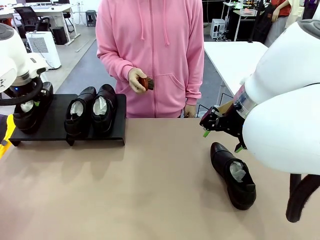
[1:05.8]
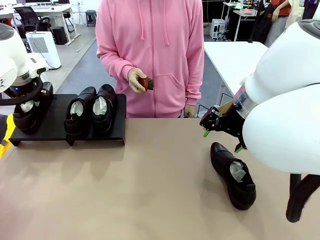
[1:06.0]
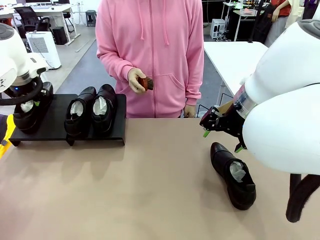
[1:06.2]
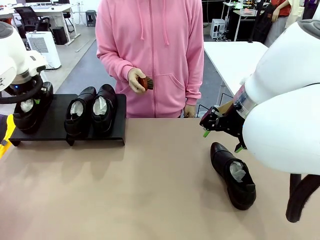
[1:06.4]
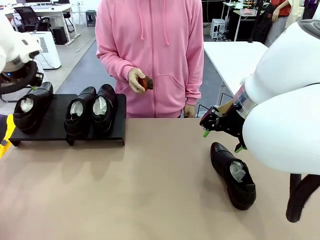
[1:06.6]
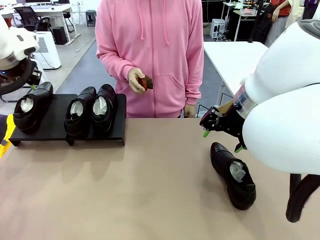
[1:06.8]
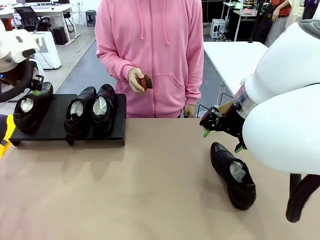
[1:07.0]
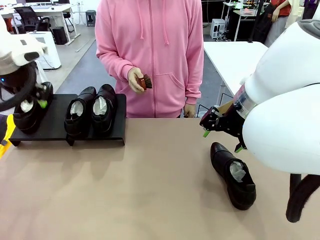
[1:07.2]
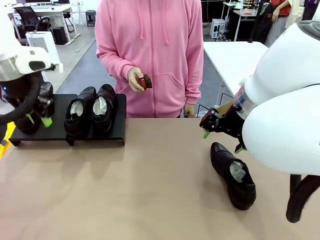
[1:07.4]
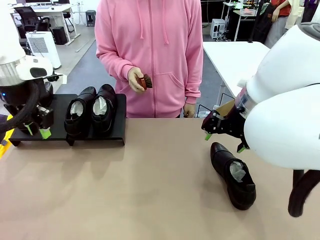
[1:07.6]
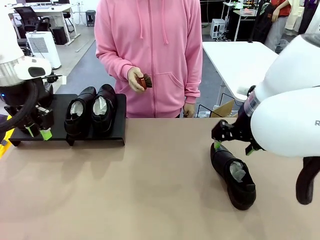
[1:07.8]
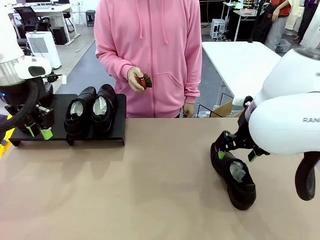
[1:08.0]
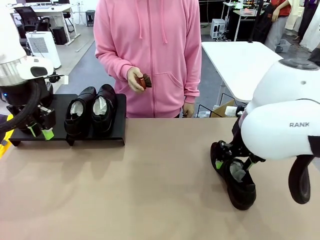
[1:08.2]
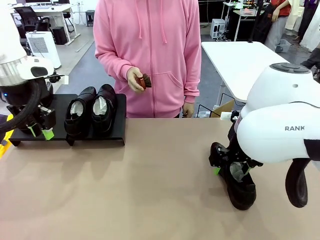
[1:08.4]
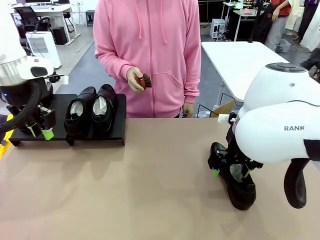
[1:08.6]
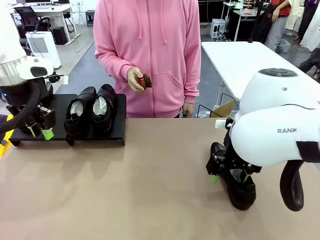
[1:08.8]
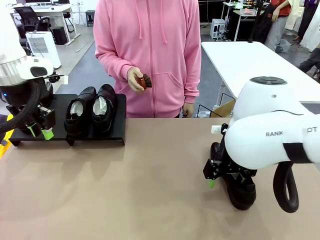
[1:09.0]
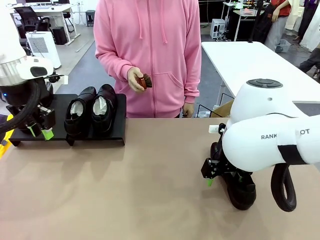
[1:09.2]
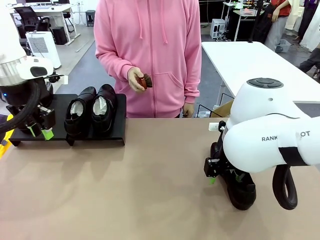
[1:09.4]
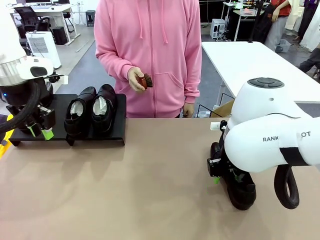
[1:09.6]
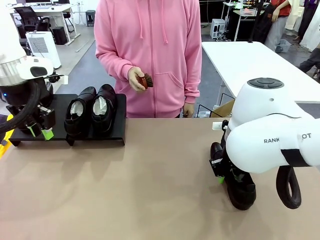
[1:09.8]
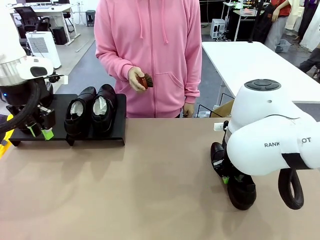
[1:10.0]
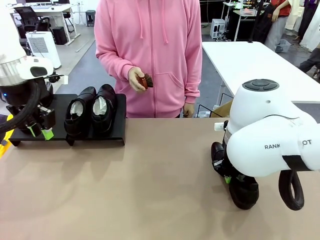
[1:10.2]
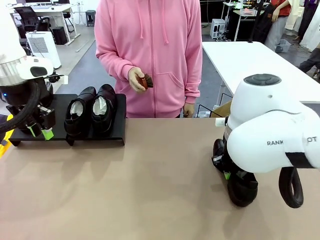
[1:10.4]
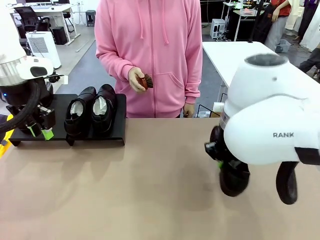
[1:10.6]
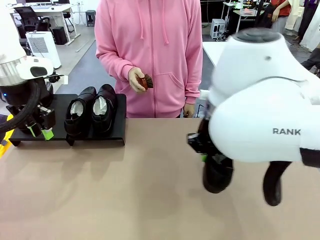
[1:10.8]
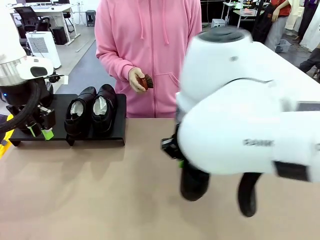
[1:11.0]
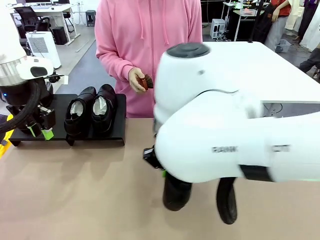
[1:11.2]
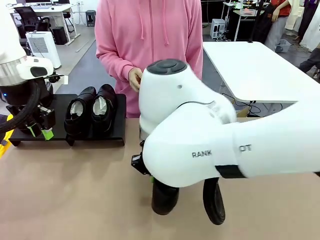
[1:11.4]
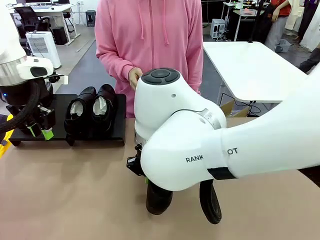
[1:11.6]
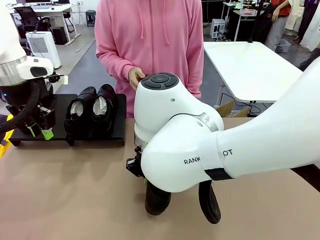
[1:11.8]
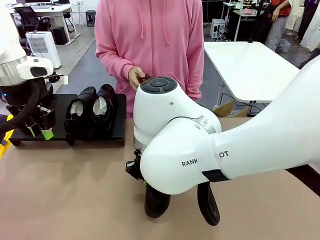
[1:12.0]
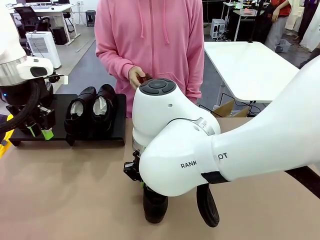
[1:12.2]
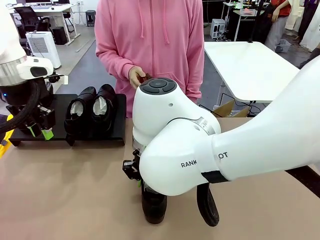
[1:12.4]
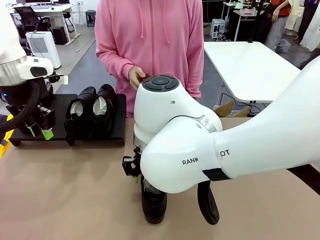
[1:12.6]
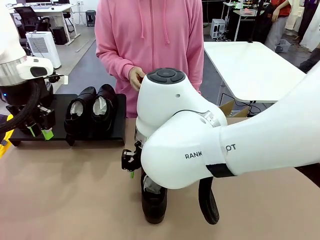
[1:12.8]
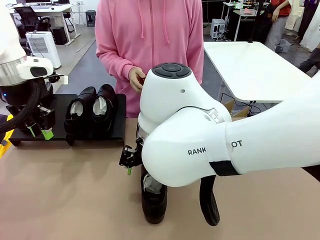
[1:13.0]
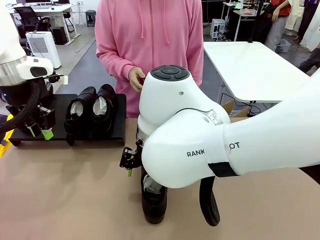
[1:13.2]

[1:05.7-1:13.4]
Task: Organize the shoes by placing them on the stand.
Robot: Pick up one Shoe and place it in the middle of the table.

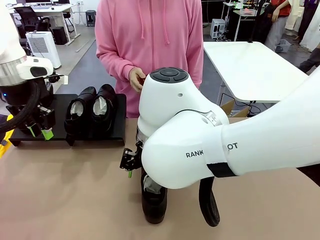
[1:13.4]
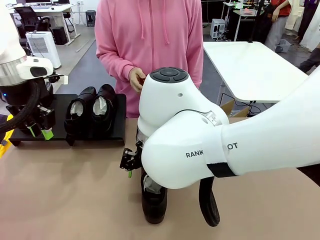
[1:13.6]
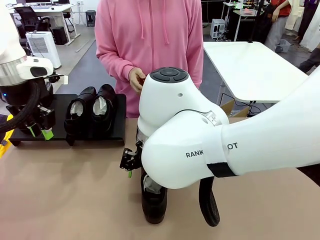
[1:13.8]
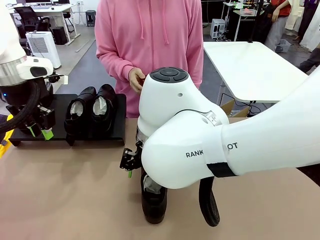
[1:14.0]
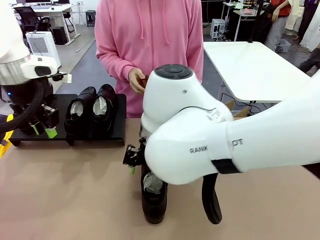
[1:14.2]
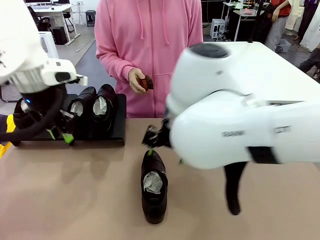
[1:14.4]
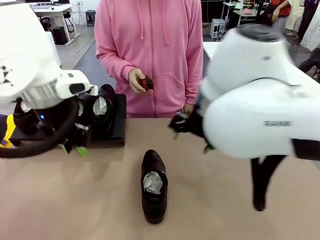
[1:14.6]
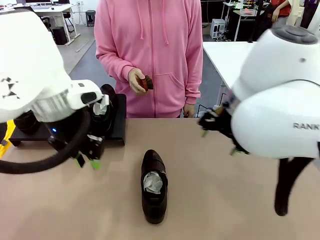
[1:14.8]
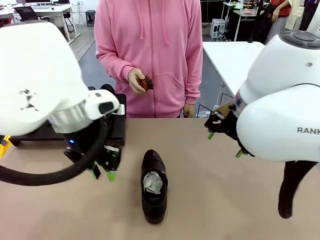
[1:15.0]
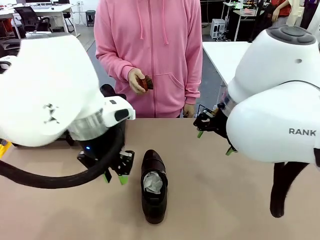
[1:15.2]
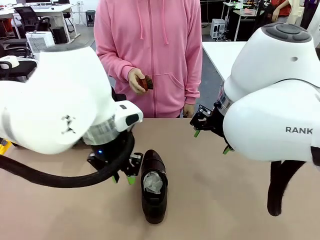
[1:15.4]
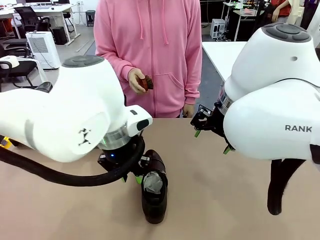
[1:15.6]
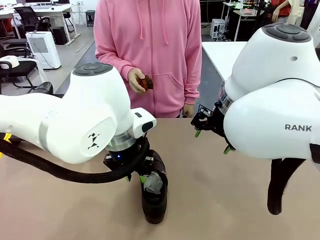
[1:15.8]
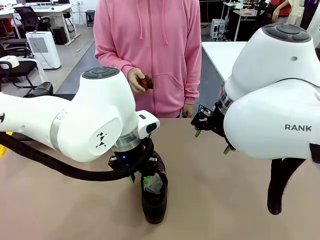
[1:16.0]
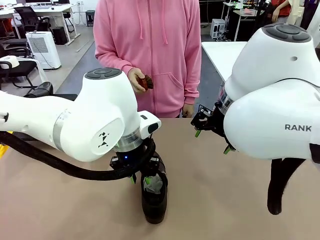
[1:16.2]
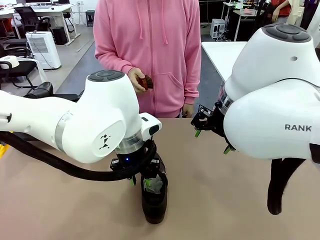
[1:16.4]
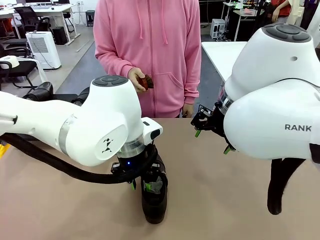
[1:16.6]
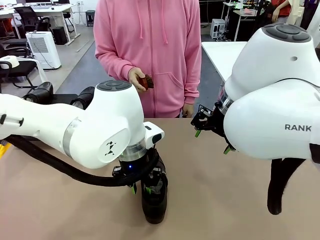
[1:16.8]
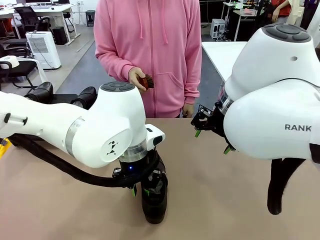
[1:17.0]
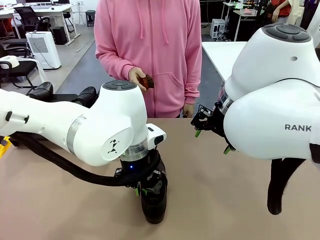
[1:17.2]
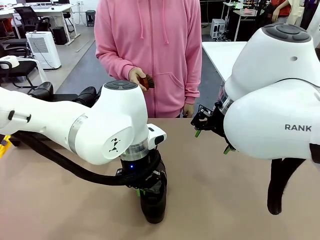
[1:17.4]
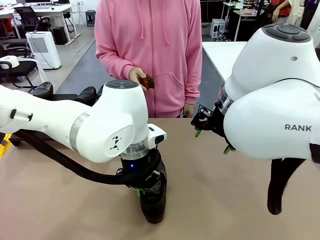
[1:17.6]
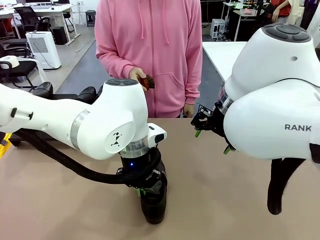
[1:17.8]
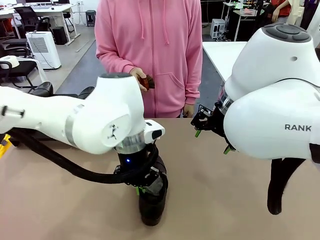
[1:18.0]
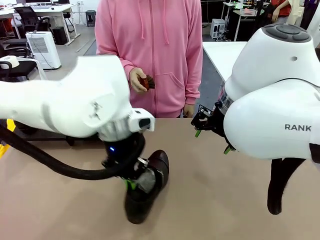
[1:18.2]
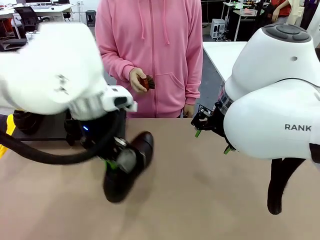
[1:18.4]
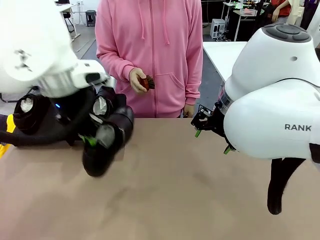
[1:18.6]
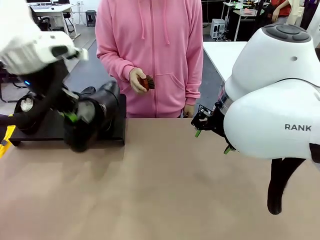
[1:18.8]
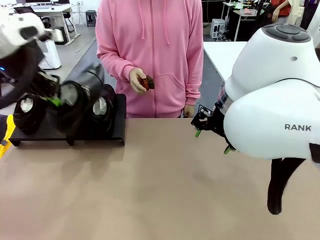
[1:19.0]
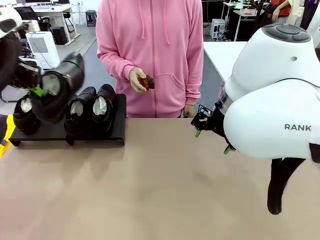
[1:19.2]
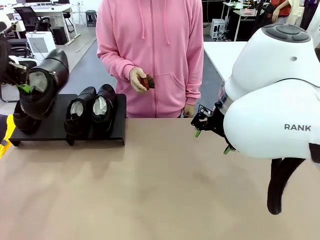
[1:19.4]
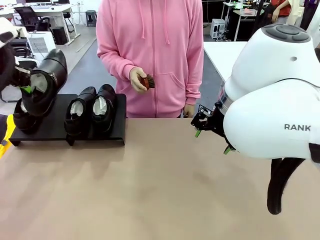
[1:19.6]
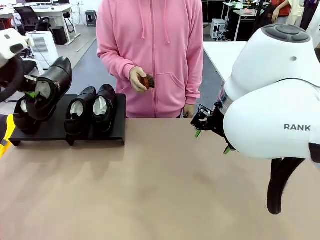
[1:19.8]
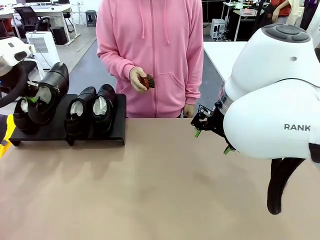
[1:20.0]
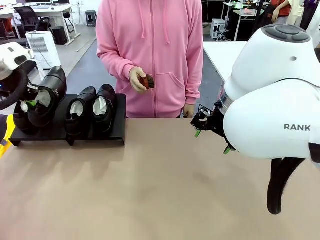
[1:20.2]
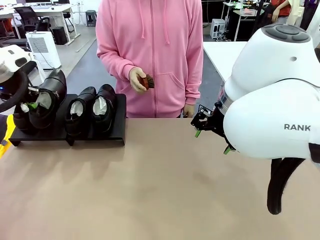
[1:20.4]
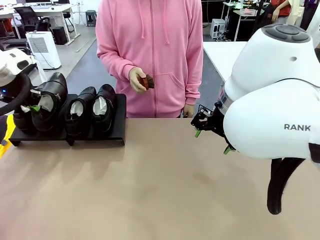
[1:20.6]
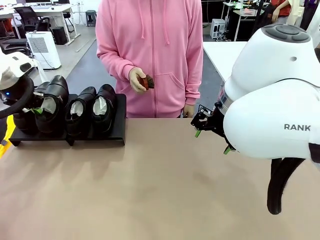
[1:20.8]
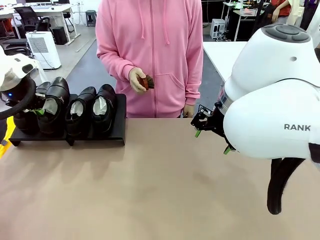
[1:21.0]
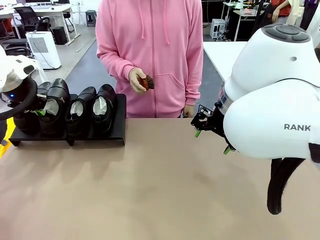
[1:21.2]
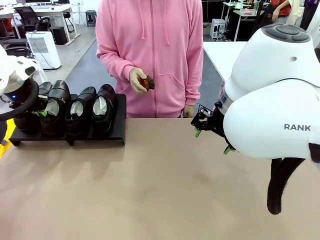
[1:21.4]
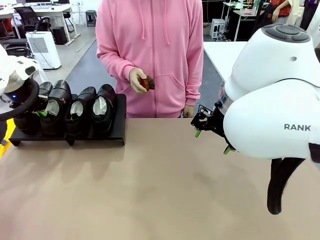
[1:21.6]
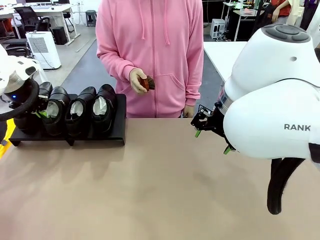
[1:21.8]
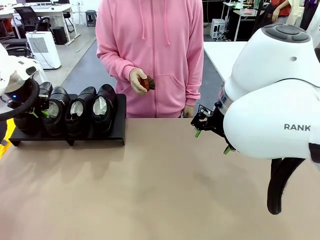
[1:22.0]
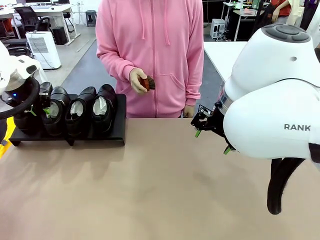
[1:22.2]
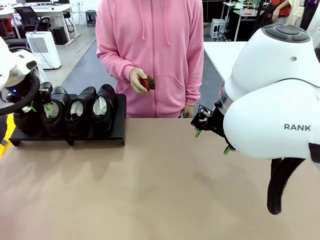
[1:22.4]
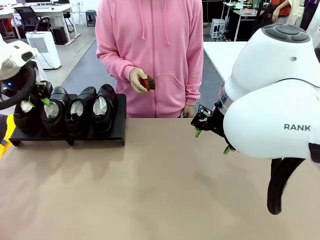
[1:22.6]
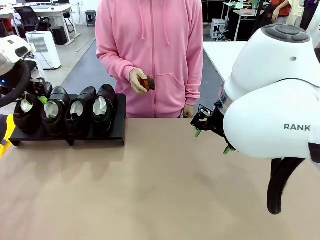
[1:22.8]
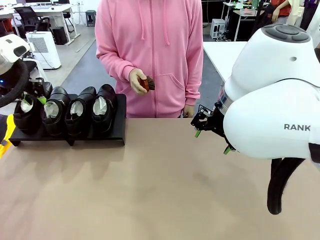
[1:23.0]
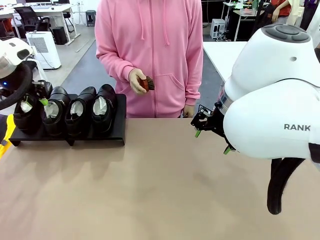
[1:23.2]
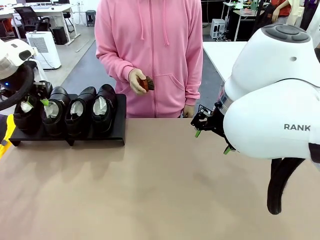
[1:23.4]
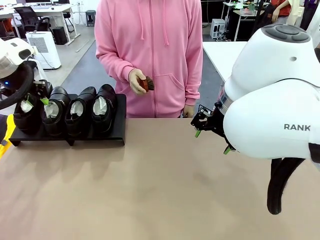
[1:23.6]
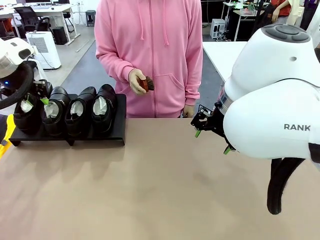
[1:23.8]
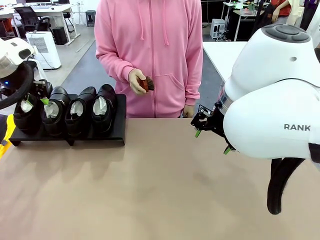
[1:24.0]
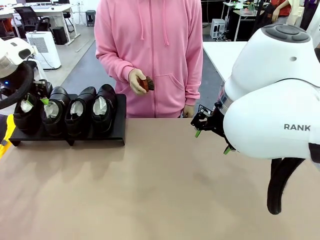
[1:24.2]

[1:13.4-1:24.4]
Robot: Place the Shoe from the middle of the table onto the Shoes Stand.
